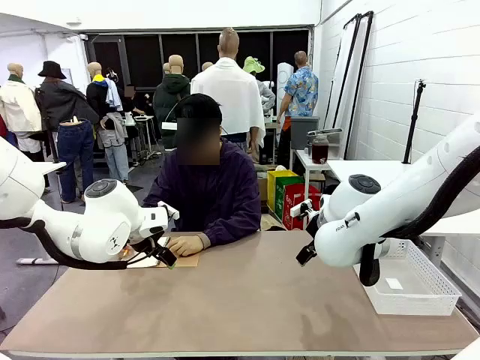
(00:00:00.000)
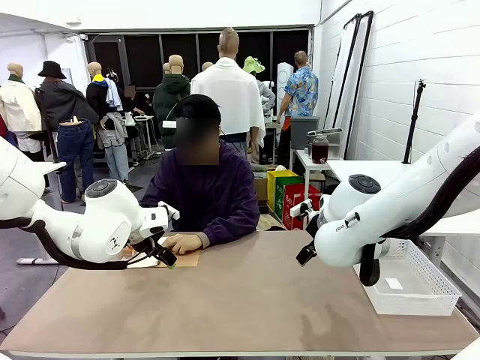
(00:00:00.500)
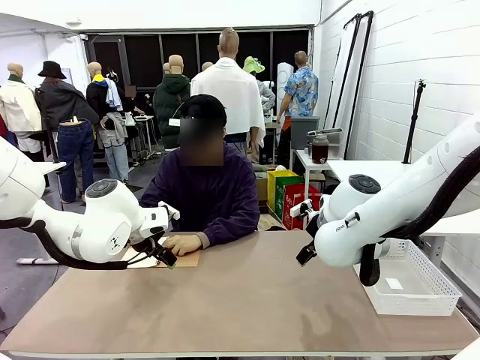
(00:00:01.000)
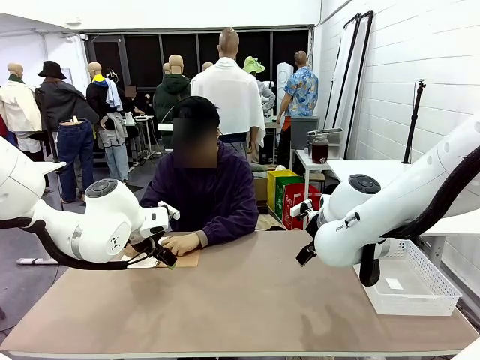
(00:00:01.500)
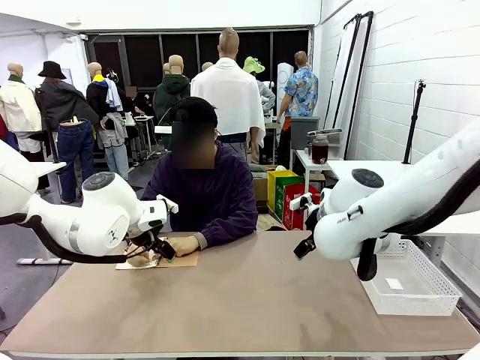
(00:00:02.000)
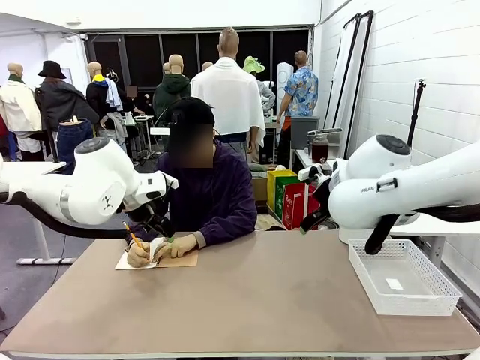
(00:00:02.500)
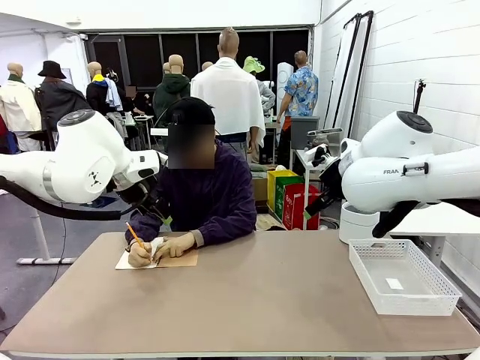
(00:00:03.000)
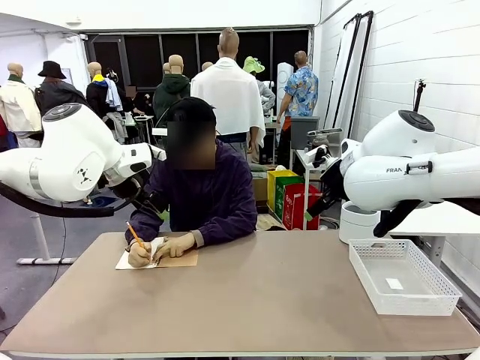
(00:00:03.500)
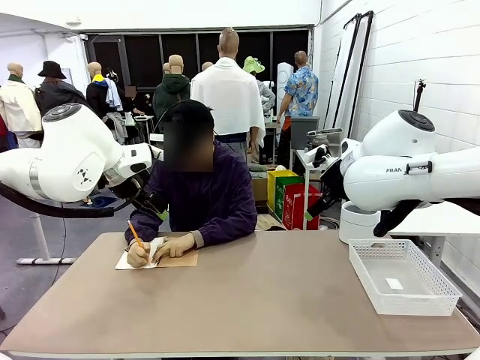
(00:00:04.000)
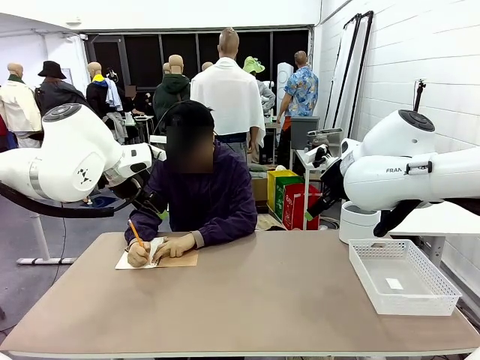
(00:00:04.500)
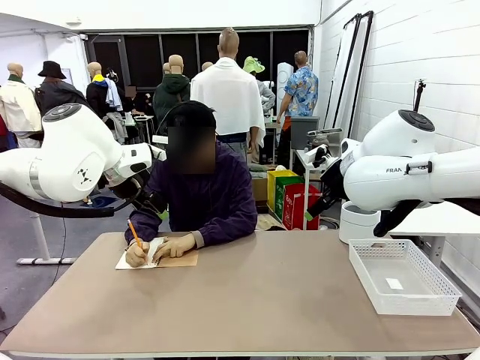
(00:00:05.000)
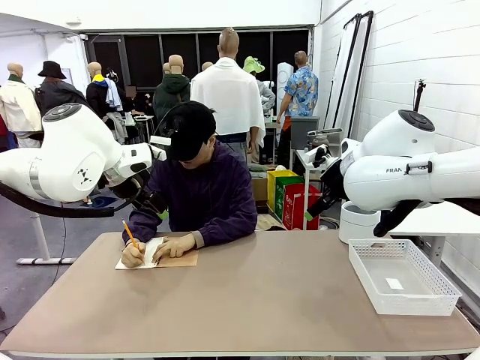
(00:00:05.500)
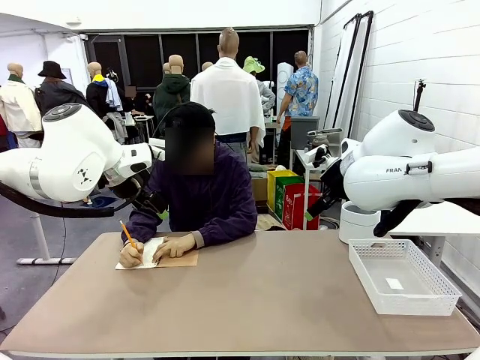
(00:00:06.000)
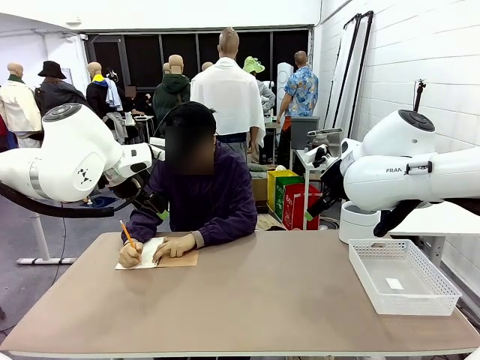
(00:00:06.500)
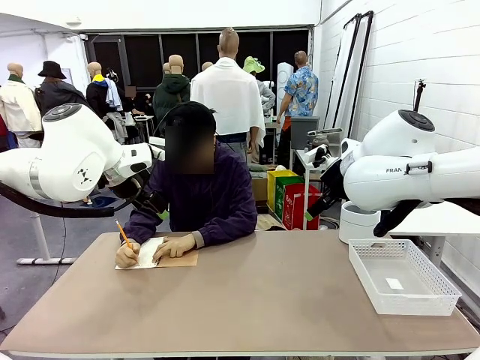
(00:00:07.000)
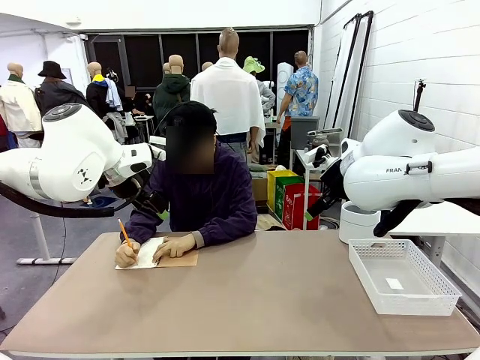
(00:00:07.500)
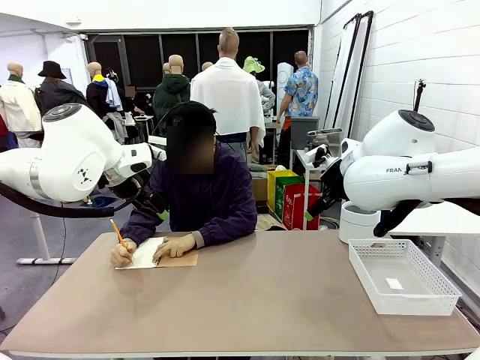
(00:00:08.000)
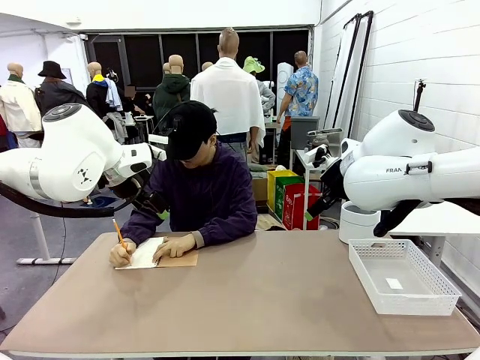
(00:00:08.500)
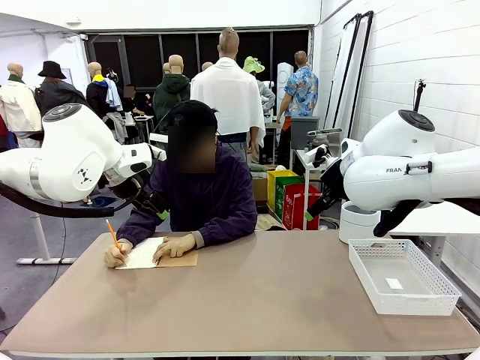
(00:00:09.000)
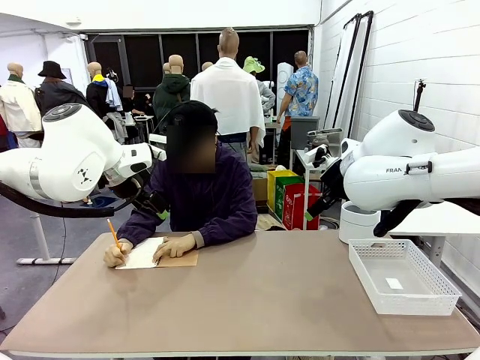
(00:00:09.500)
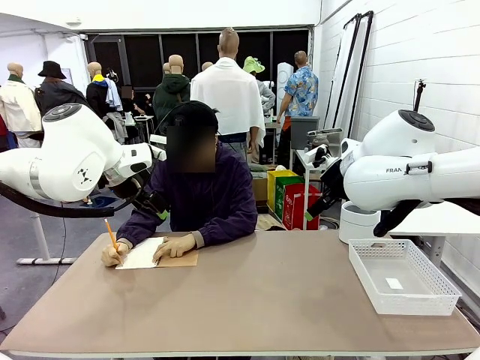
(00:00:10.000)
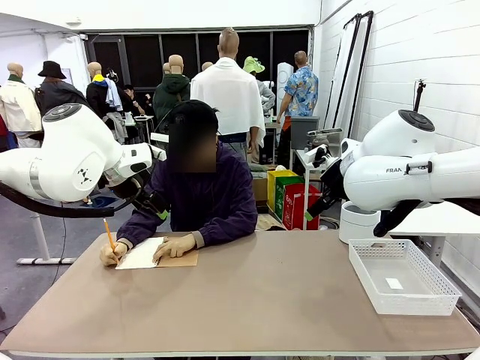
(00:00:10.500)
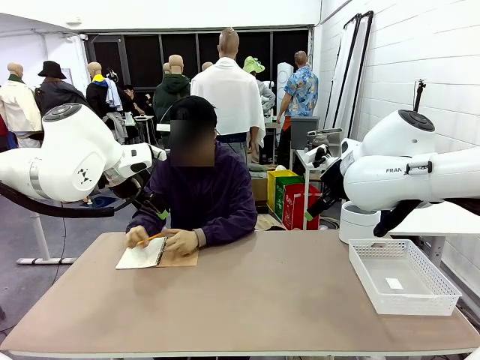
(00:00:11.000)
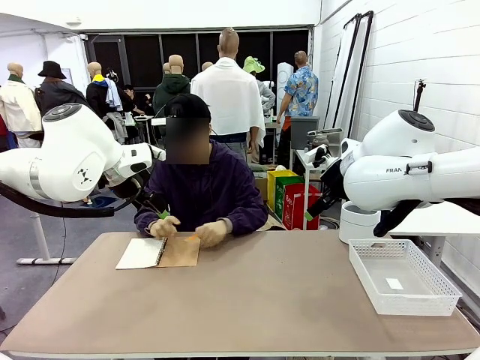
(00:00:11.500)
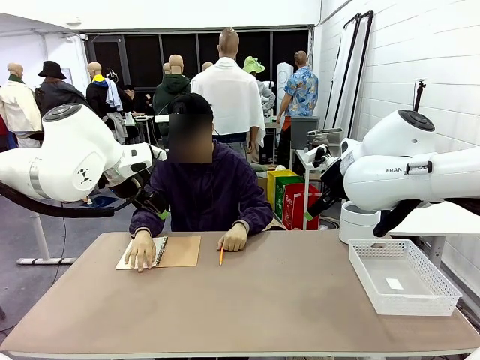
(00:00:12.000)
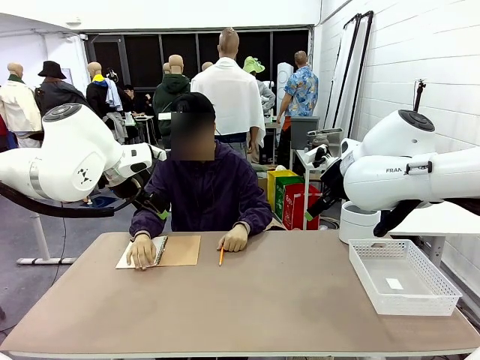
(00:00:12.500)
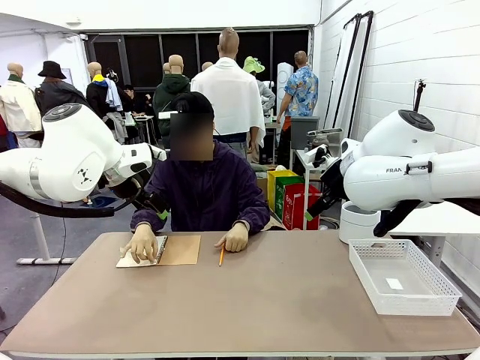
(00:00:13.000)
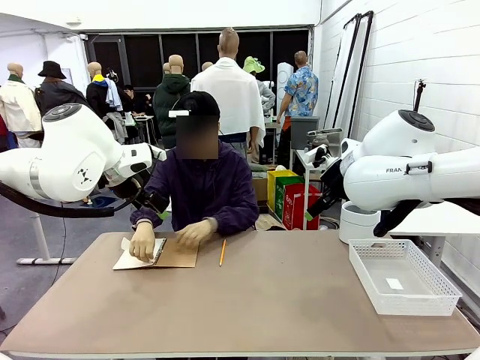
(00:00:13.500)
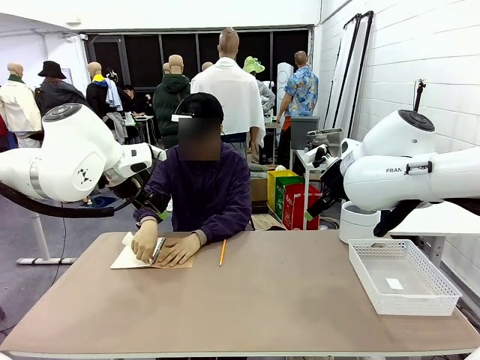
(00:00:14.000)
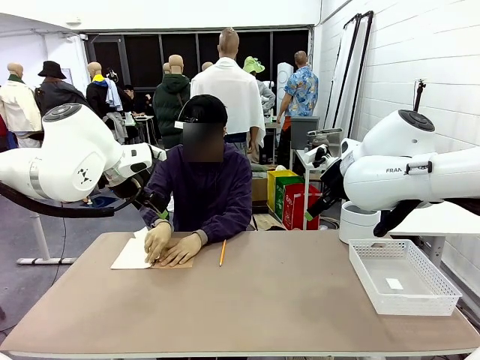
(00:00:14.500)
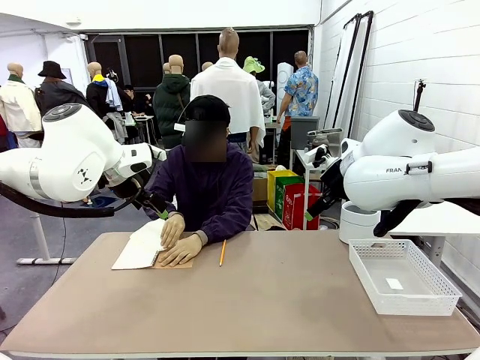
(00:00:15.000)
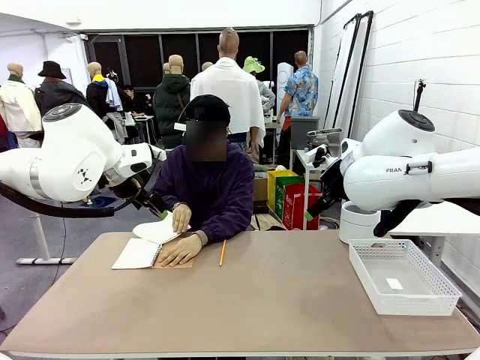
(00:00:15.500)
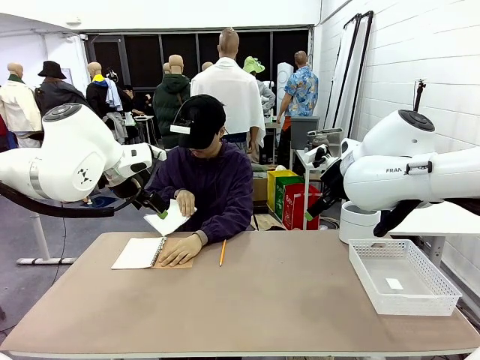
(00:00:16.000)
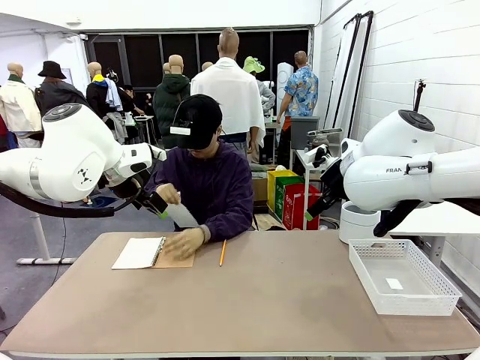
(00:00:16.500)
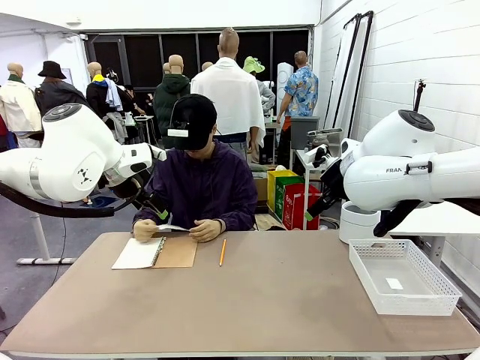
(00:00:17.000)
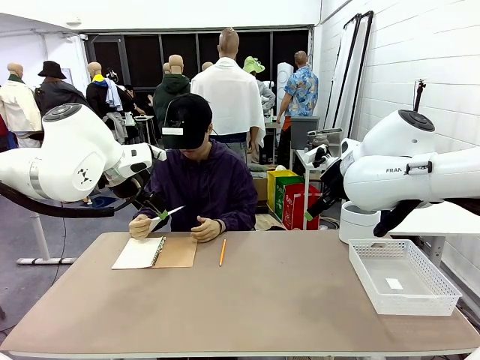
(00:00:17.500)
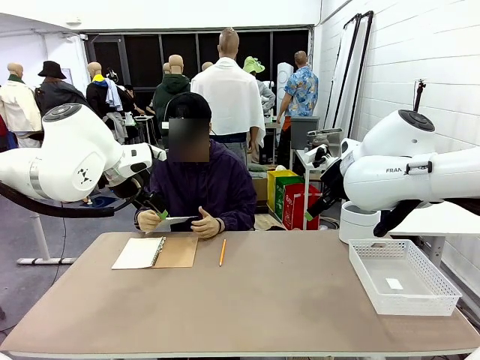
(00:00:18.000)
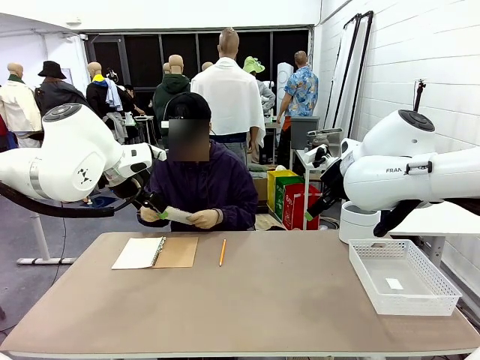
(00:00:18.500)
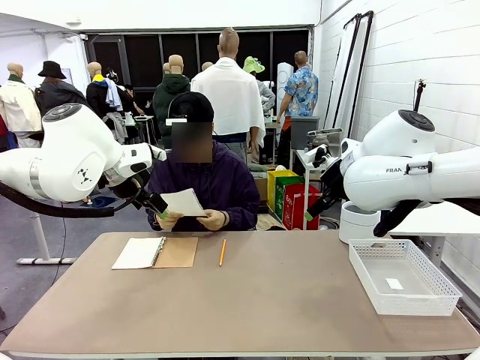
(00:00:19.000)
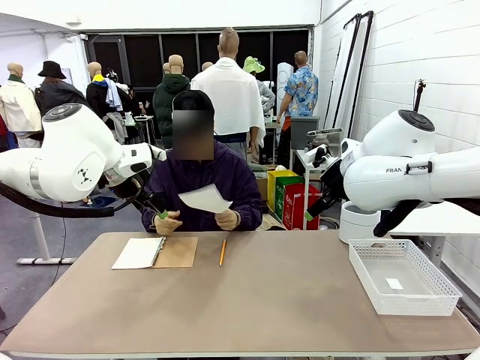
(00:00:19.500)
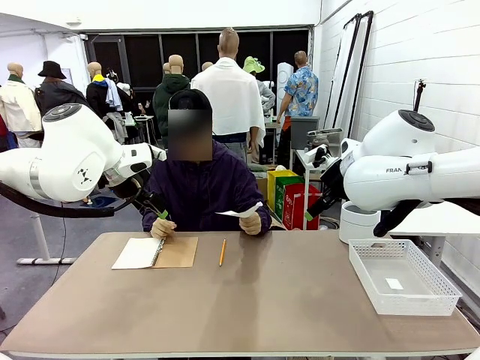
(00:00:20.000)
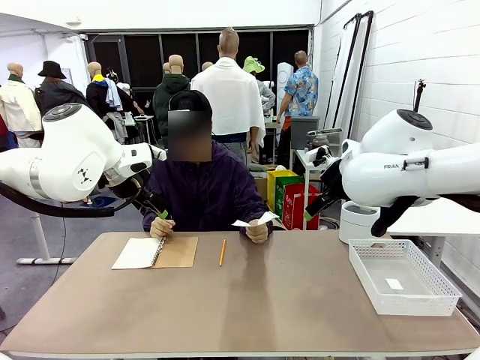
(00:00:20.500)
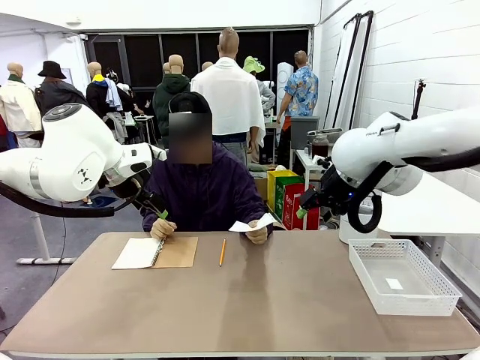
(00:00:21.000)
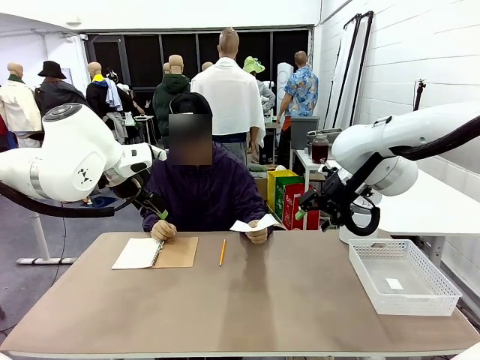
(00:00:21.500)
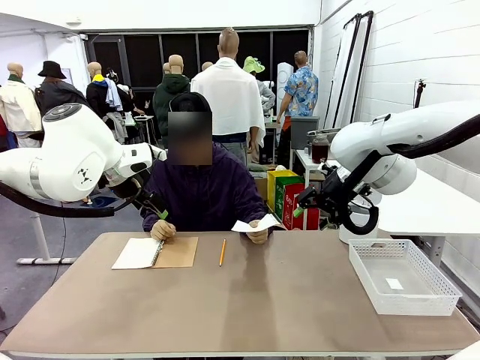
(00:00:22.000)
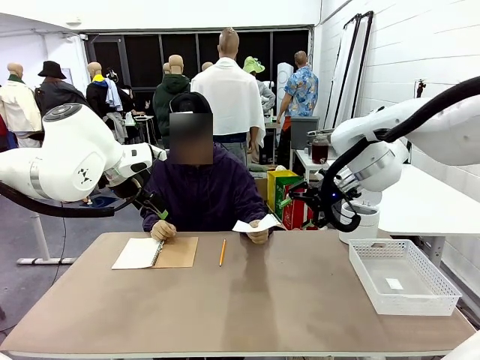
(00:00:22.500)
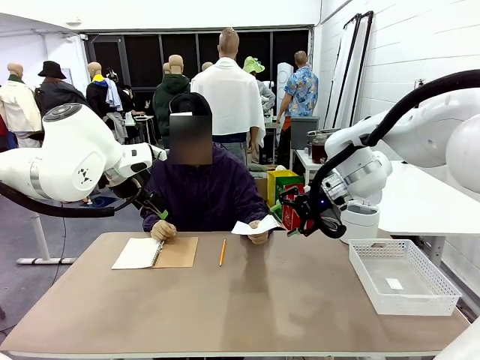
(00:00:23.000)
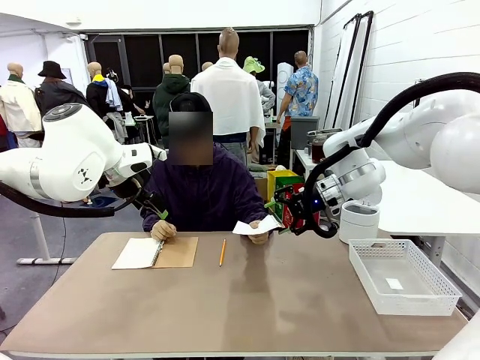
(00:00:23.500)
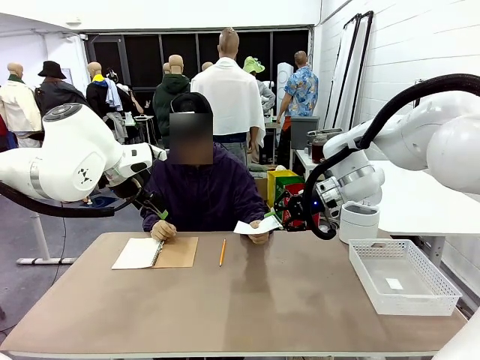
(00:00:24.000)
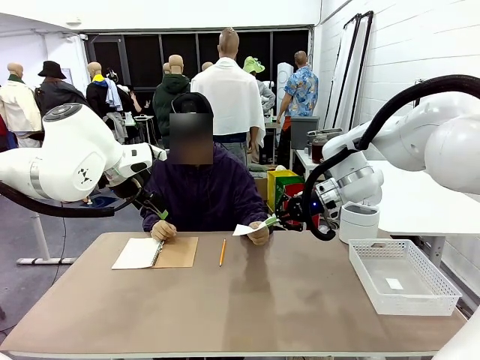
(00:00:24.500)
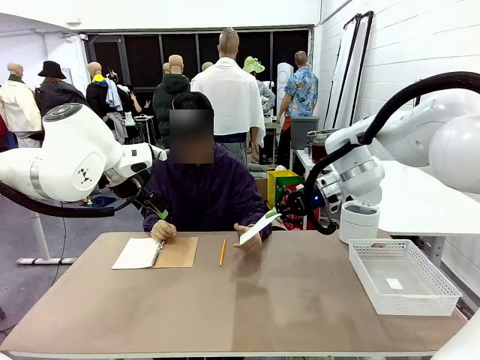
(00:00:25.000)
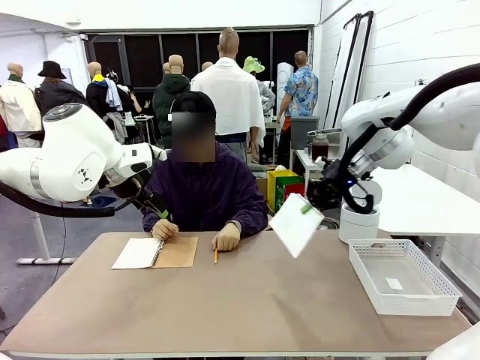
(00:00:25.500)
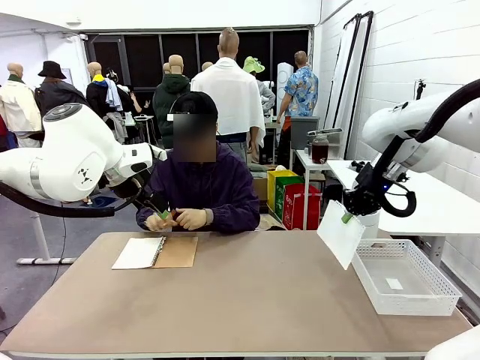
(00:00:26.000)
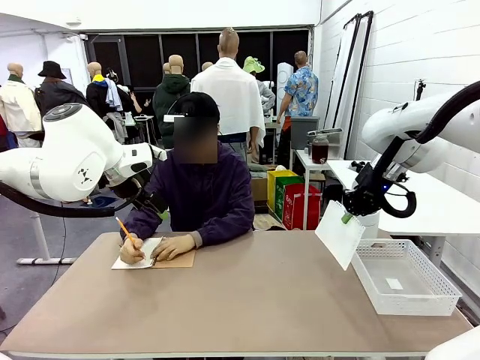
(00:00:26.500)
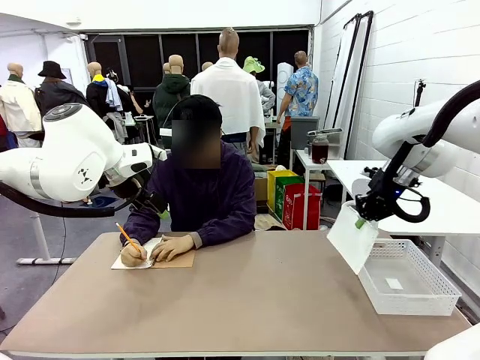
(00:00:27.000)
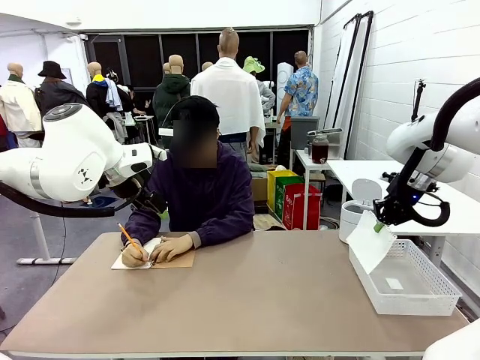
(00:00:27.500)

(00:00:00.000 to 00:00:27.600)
Task: Sort the paper based on its condition.
Robot: If a person hands you a paper, place it in the Organizing basket , and if it's crumpled, put it in the Trash can.
Person: Tear out a page from the spiral notebook. Hand the torn page to the robot or crumple it and throw it to the center of the table.
